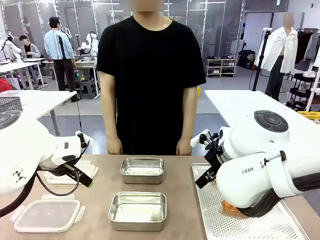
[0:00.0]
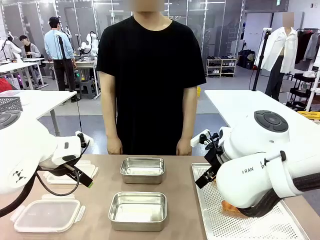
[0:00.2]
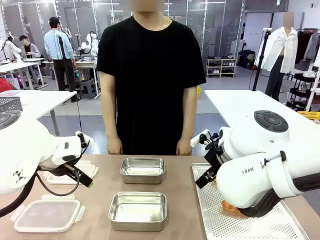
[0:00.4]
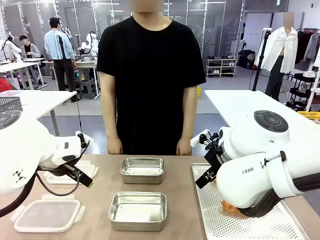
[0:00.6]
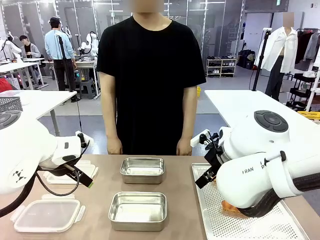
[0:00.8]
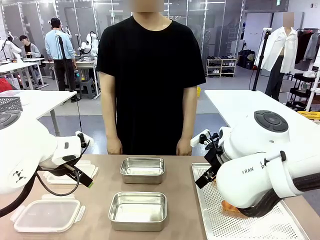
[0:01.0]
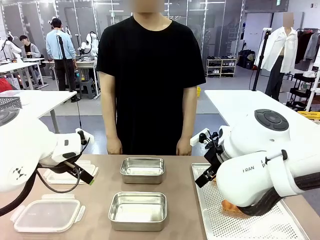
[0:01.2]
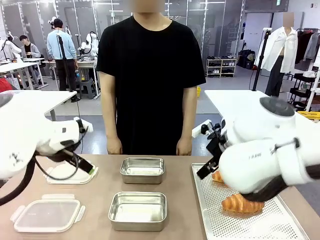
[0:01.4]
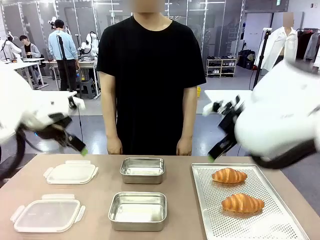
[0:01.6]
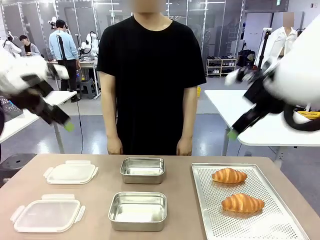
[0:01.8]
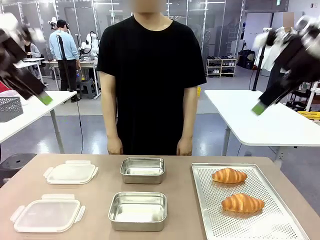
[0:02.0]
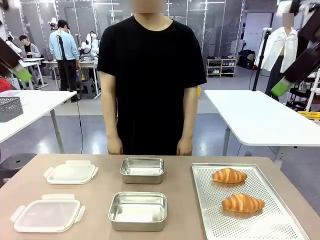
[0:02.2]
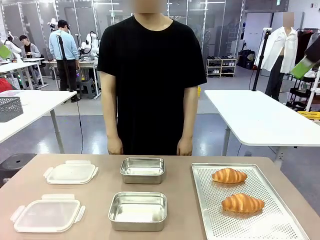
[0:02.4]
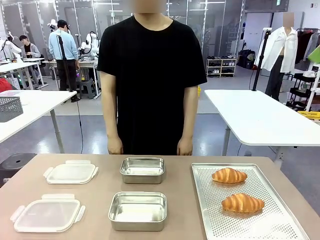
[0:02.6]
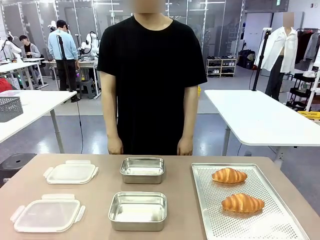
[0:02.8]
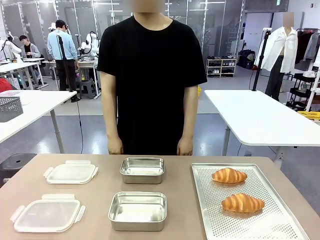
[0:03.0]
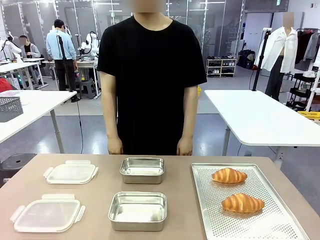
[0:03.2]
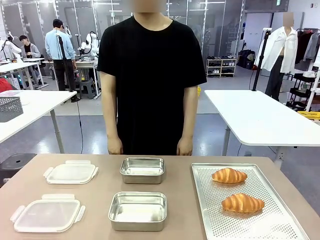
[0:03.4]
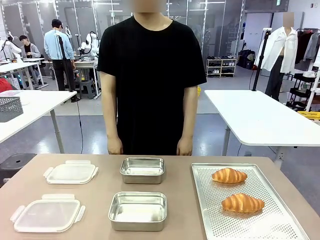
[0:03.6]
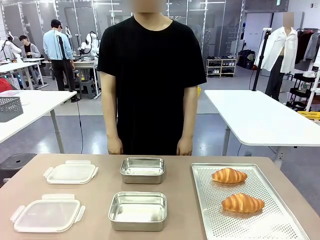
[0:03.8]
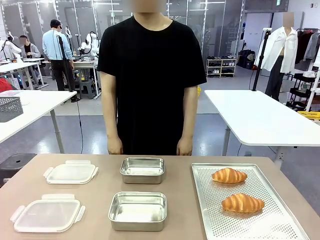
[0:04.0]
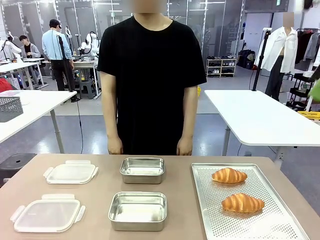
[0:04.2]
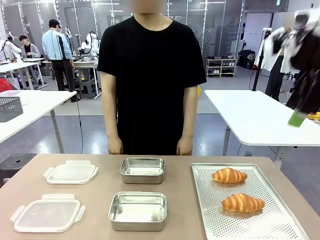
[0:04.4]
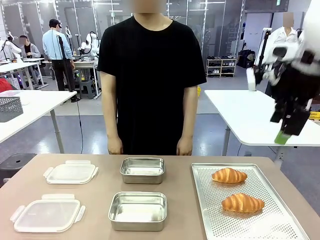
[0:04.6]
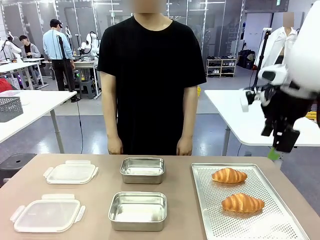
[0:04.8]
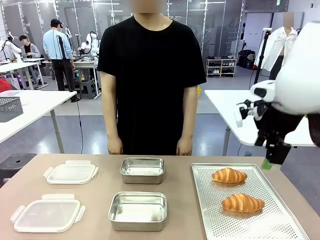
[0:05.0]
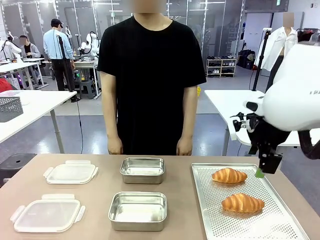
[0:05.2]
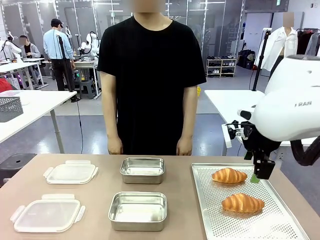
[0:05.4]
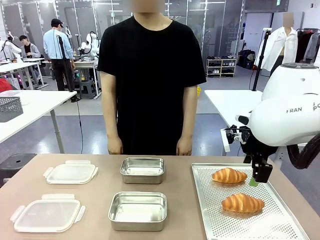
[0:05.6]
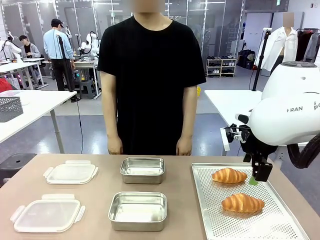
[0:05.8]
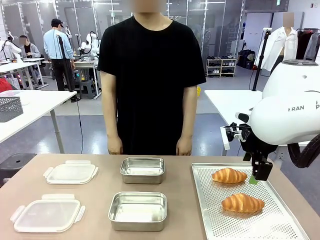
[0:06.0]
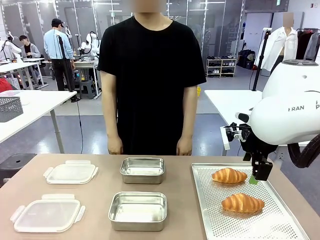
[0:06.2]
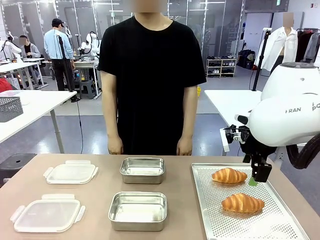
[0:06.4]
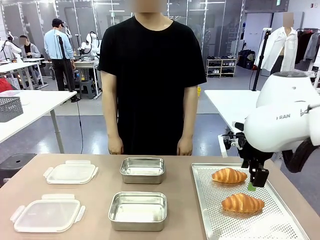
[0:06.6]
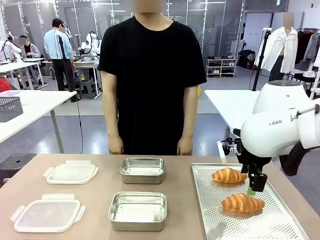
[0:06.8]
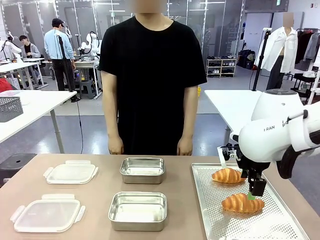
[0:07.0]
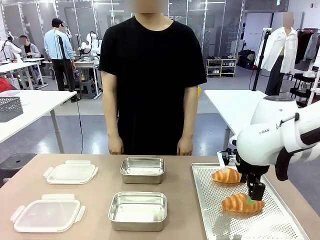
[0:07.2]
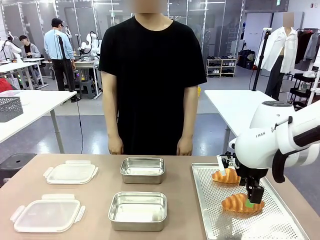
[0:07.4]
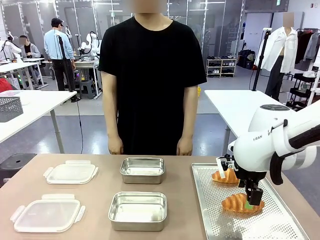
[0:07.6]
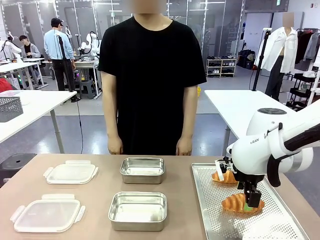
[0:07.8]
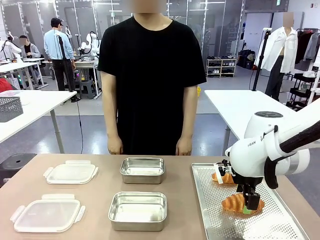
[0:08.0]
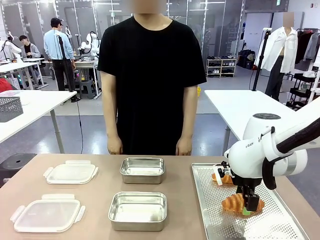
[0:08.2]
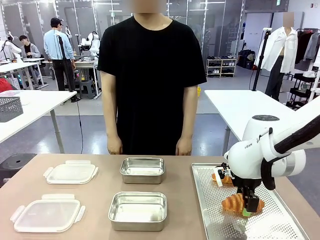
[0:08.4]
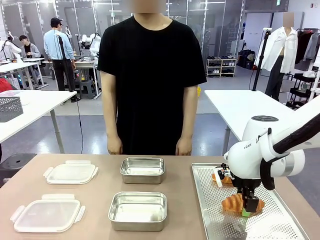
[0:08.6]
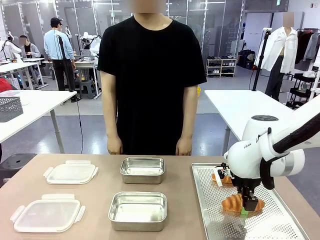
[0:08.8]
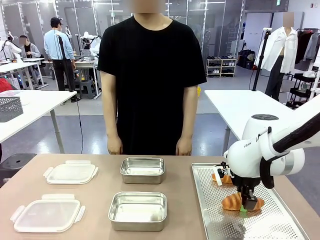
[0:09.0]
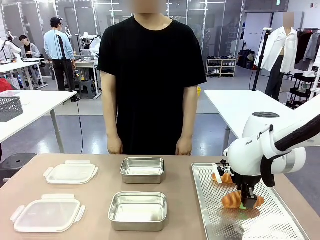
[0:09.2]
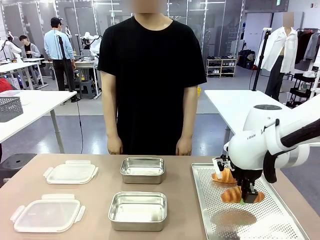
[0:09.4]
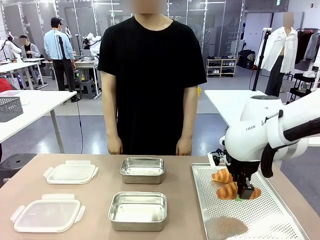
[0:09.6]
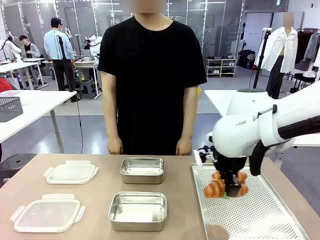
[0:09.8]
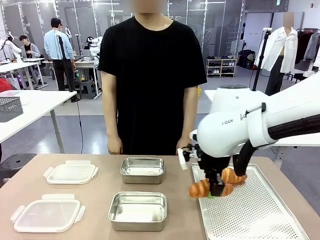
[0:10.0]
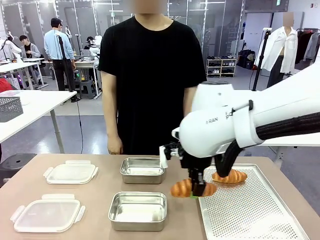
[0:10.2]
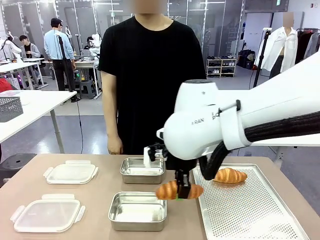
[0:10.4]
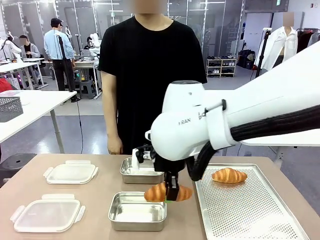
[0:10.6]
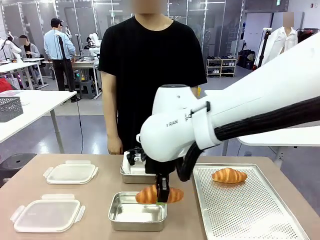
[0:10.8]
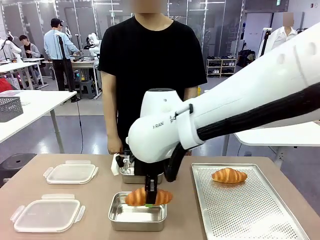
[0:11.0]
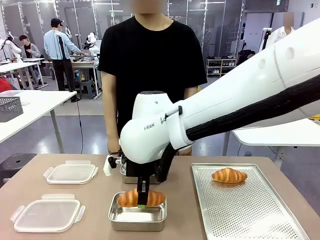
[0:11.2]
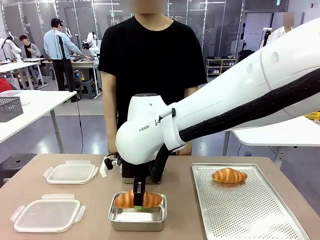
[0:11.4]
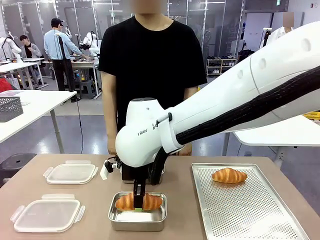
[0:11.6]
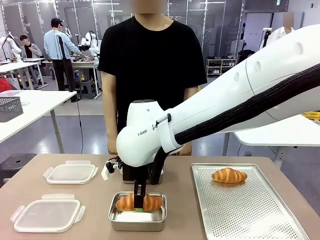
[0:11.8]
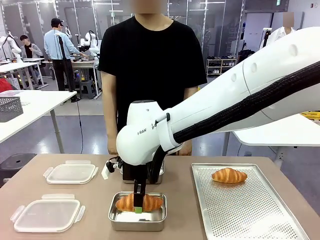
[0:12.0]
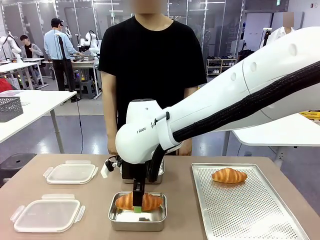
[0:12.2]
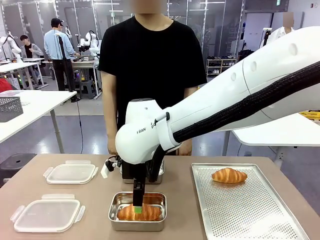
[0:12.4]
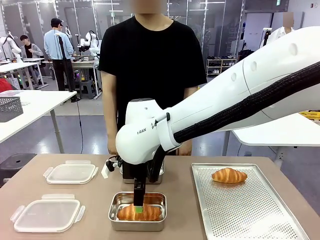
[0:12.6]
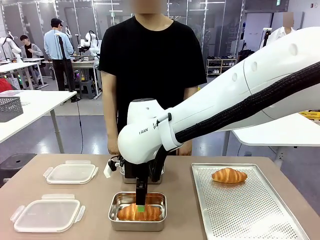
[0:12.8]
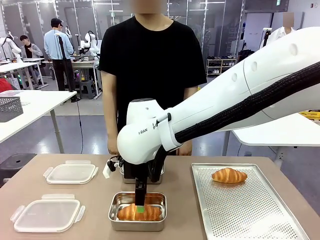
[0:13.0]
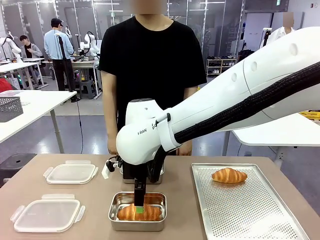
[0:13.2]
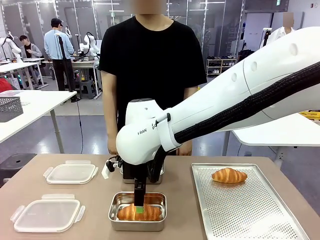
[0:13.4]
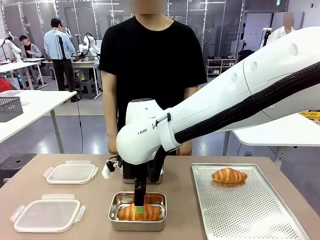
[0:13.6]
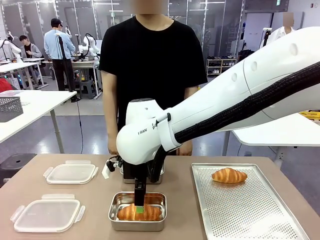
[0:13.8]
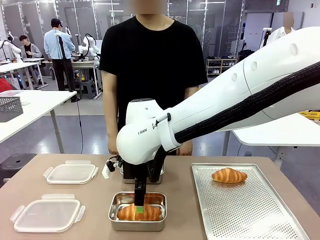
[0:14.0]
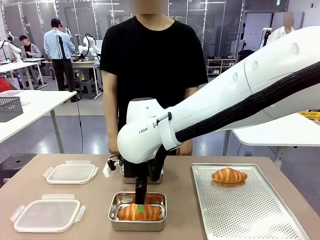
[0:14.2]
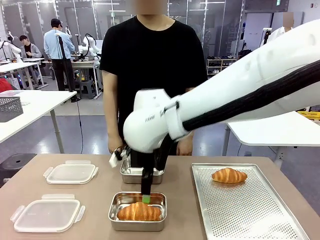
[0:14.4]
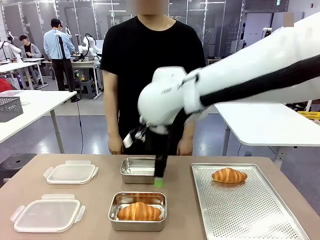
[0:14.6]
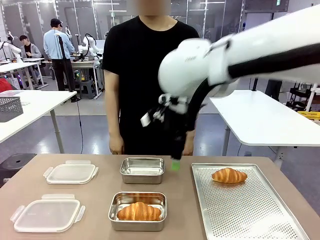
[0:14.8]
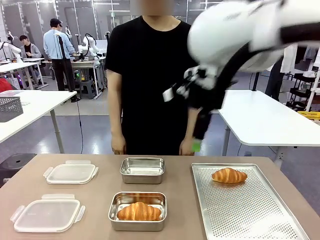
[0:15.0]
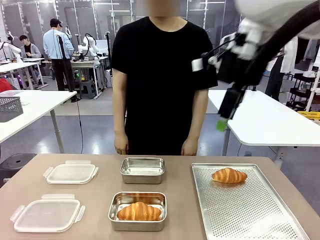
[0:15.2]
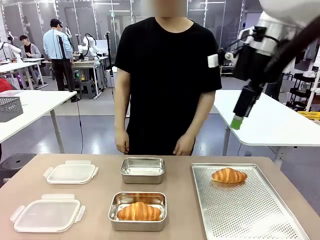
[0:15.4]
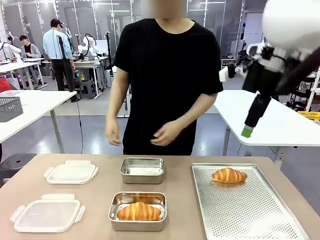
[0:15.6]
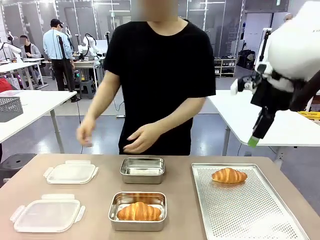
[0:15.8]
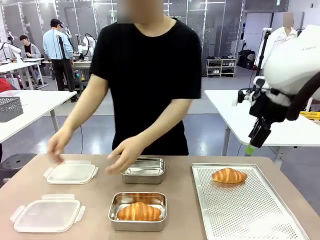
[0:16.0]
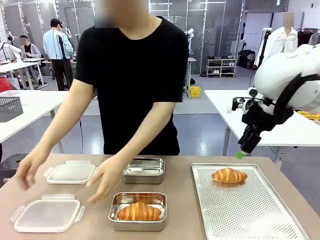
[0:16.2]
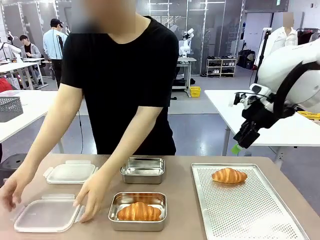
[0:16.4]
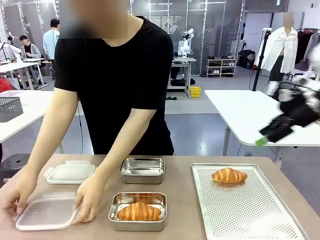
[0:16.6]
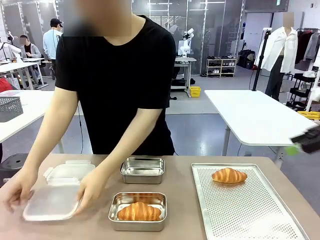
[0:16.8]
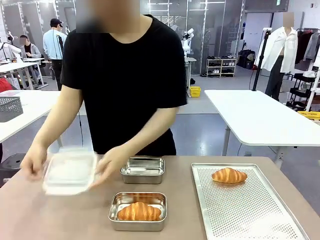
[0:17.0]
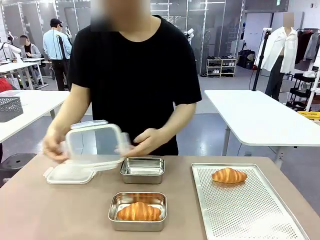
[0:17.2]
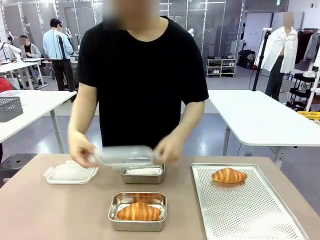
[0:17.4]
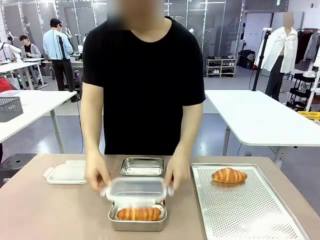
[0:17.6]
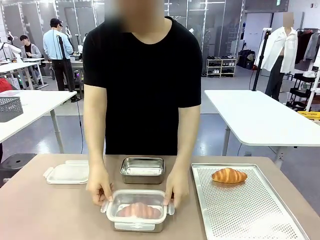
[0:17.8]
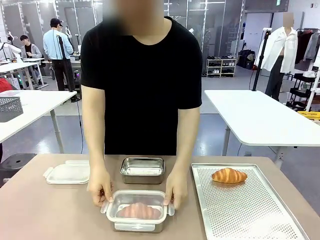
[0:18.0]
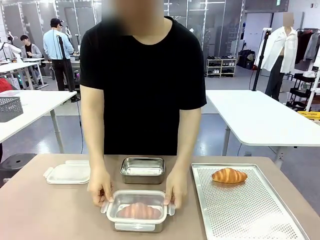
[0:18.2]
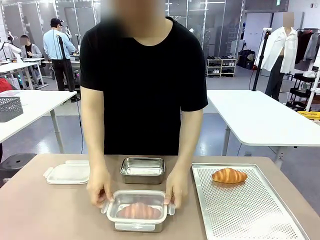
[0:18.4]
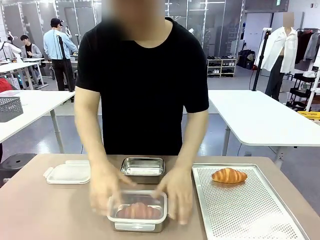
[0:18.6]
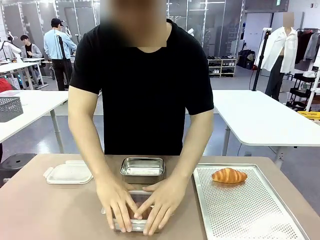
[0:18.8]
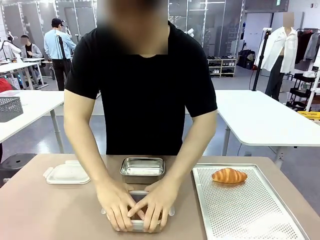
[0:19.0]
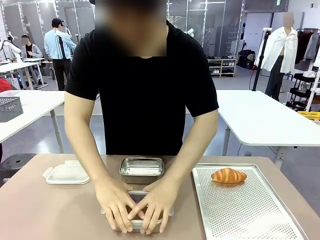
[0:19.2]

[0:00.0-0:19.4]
Task: Place the bread into the airtight container.
Robot: Pick up a Butter Roll and place it into an empty Airtight Container.
